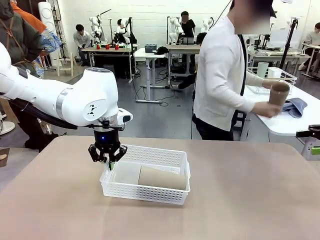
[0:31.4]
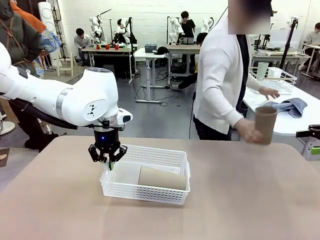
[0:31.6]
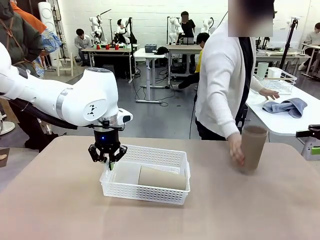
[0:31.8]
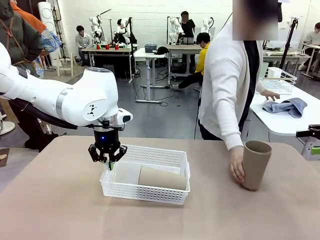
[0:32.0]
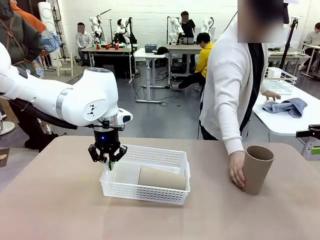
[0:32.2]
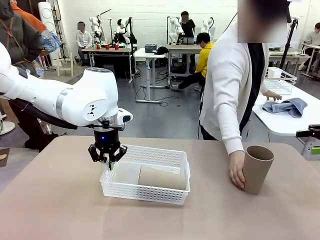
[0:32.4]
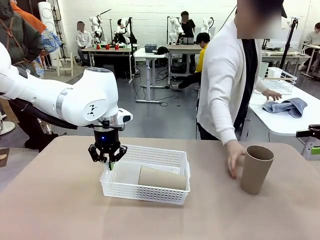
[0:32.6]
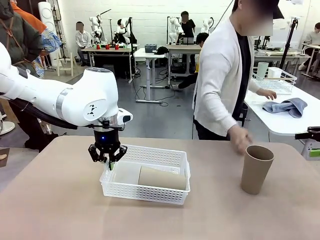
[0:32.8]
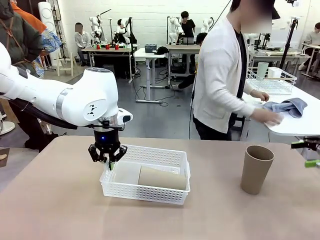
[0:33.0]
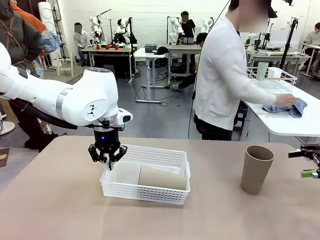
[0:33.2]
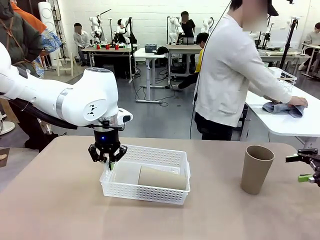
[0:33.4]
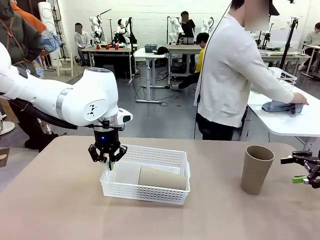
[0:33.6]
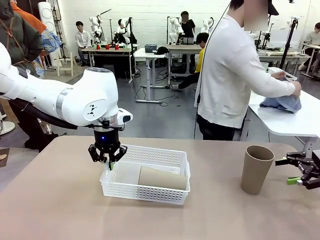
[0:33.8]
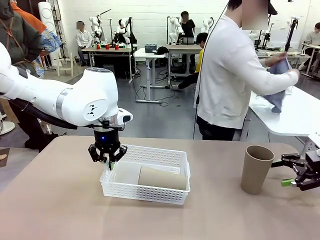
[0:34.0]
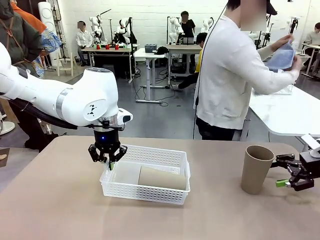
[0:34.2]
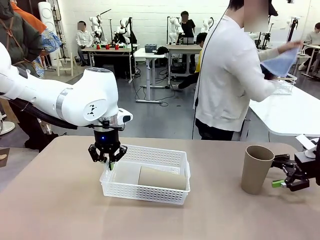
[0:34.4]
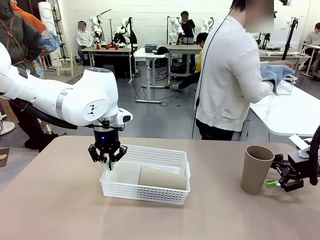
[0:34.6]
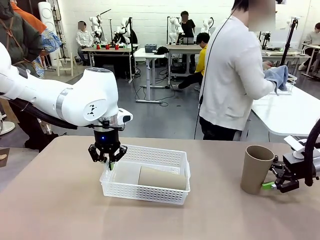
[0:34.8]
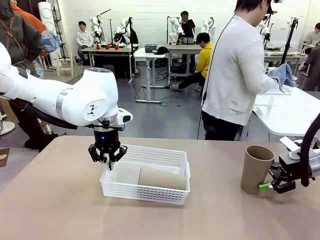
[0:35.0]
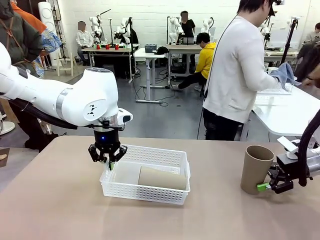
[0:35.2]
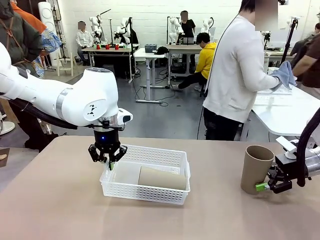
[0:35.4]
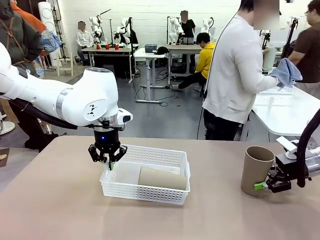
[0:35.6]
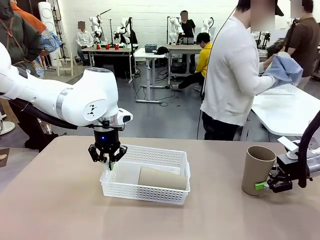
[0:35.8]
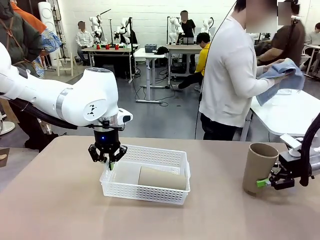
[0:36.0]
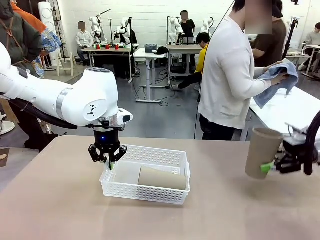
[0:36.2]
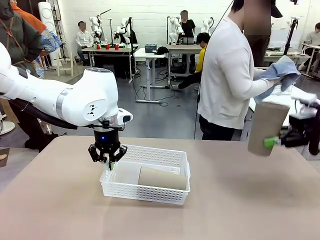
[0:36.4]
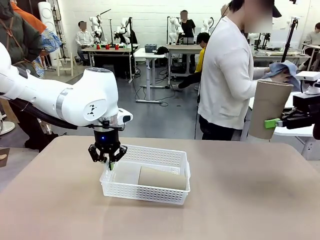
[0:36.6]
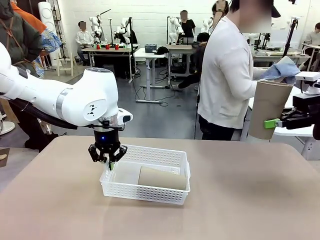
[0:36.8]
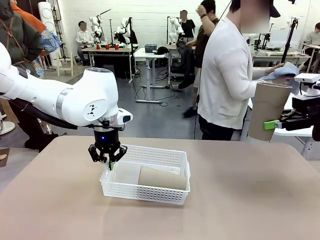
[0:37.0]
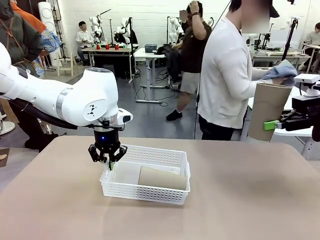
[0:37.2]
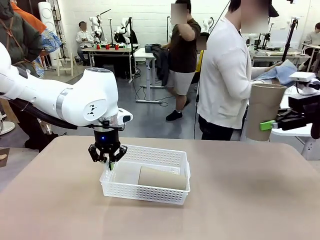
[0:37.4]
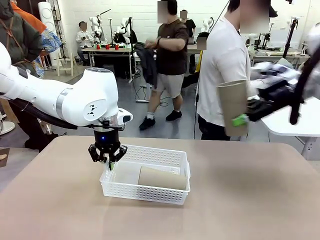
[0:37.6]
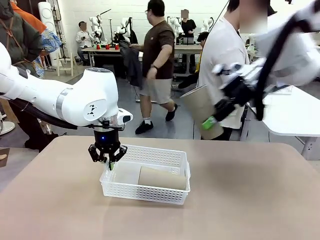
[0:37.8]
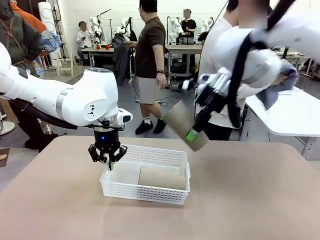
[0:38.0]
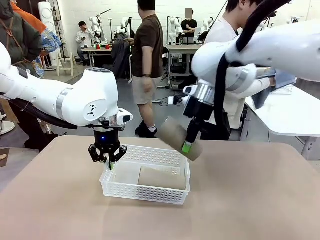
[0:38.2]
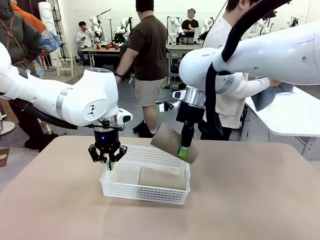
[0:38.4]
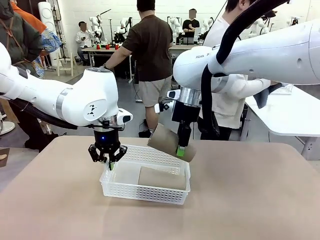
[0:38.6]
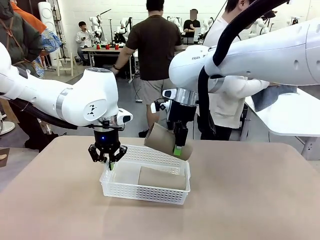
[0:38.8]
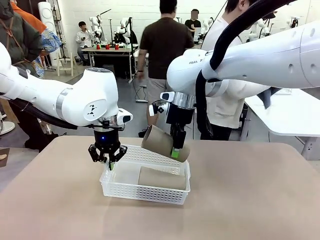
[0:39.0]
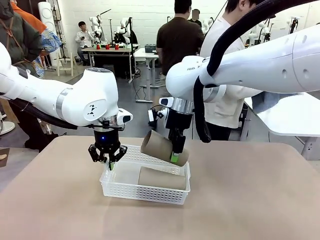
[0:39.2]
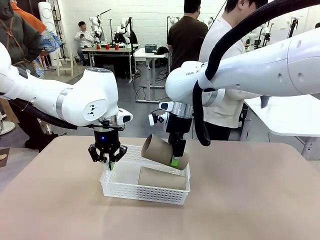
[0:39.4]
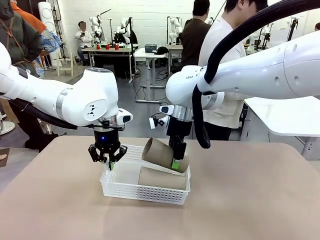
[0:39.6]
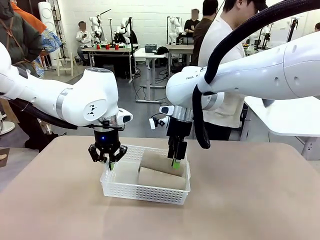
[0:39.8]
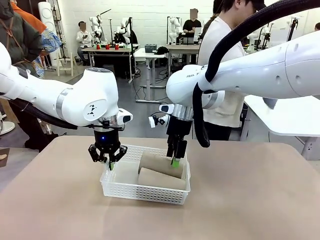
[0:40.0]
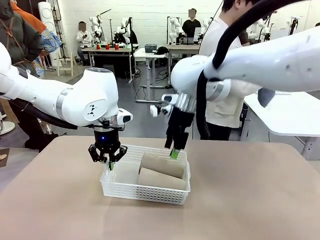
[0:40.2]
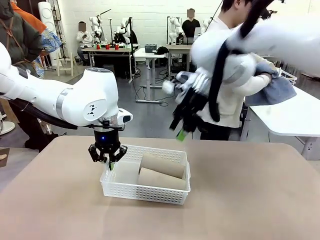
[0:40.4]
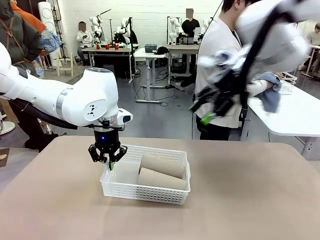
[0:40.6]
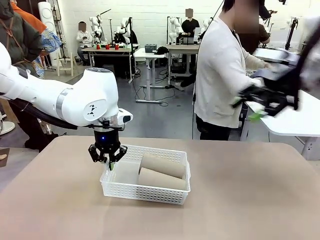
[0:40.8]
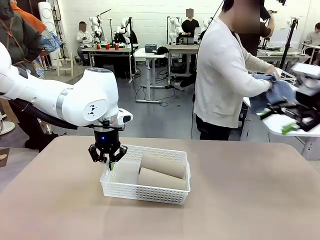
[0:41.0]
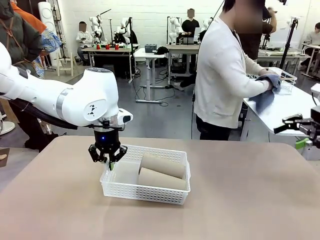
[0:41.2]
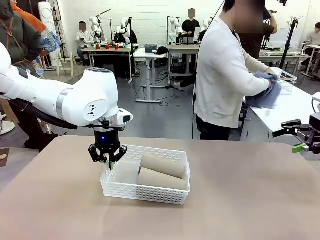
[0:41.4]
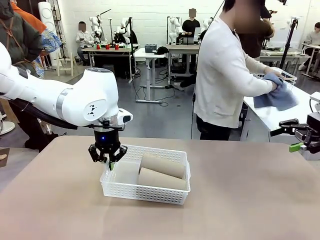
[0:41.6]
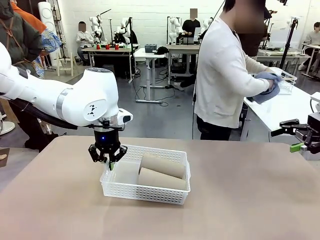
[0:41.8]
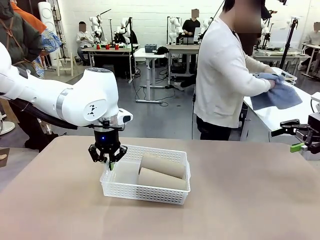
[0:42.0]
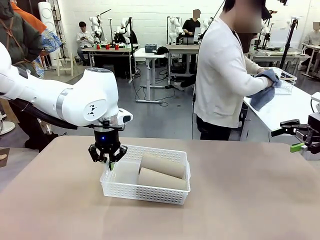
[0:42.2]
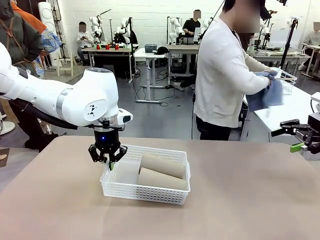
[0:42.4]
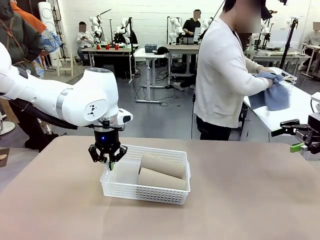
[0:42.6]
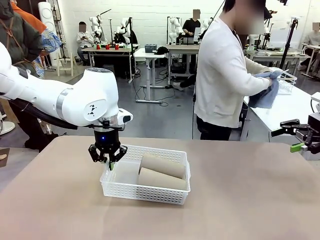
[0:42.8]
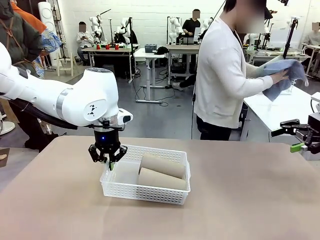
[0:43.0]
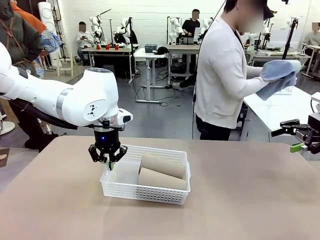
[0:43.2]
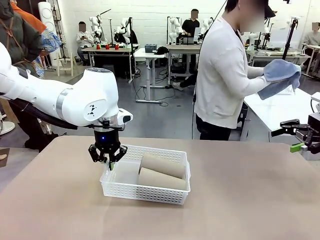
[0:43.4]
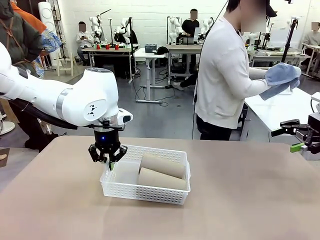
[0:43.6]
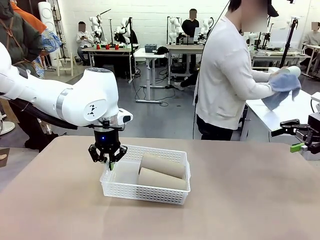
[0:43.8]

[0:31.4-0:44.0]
Task: Clean and organize the cups into the basket.
Robot: Pick up the Reusable plastic cup from the right side of the table and stack it inside the Organizing basket in the center of the table.

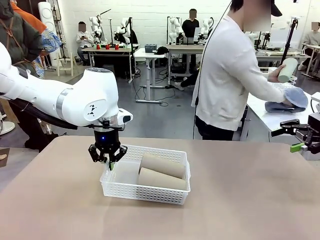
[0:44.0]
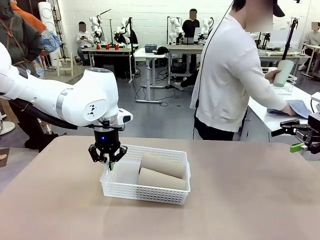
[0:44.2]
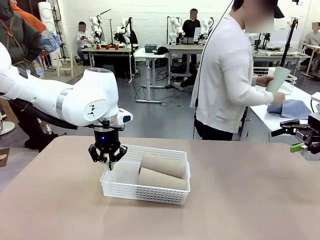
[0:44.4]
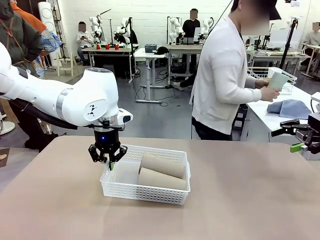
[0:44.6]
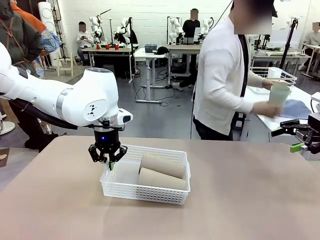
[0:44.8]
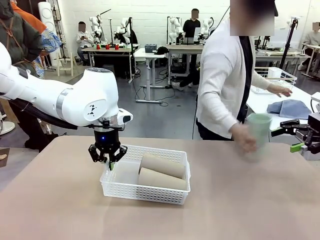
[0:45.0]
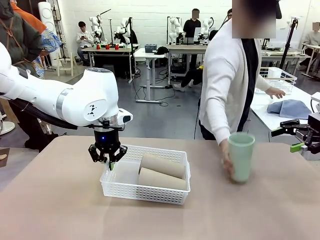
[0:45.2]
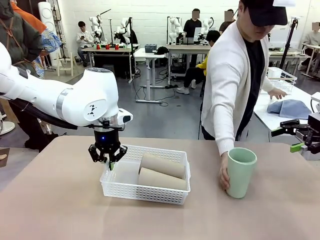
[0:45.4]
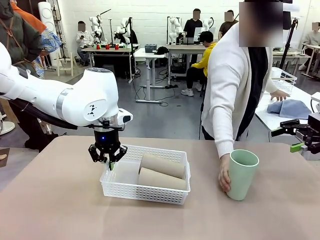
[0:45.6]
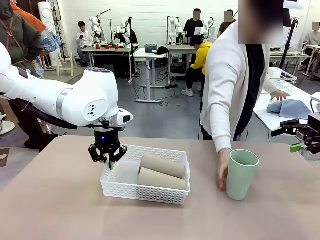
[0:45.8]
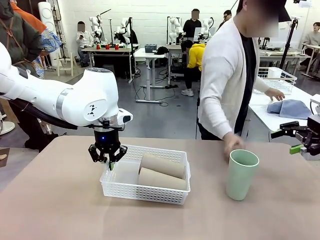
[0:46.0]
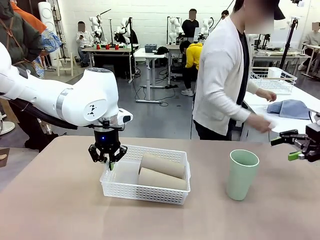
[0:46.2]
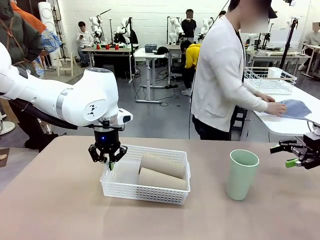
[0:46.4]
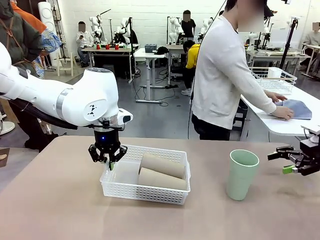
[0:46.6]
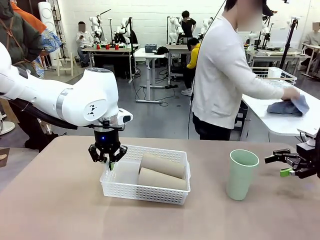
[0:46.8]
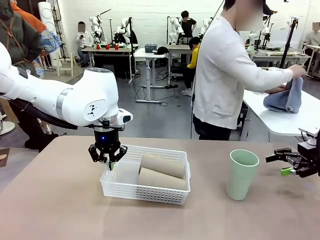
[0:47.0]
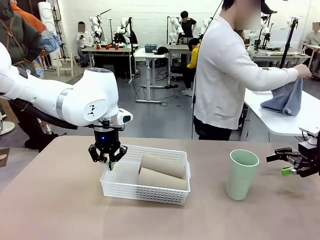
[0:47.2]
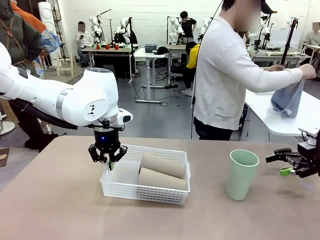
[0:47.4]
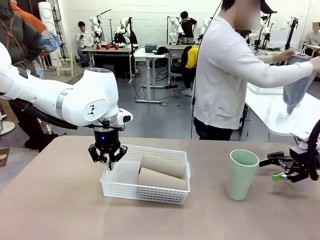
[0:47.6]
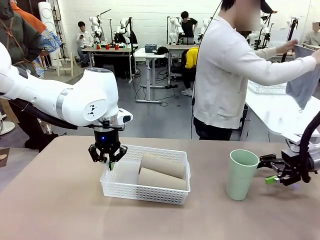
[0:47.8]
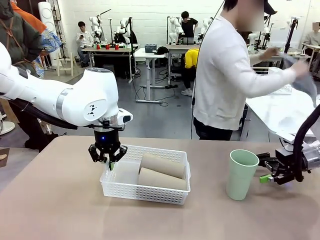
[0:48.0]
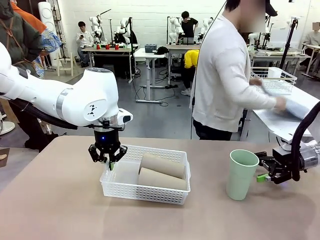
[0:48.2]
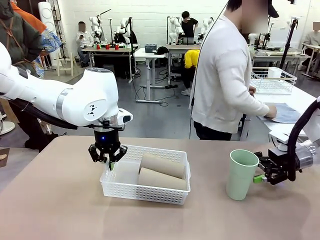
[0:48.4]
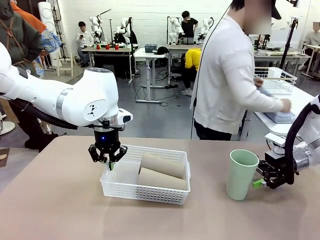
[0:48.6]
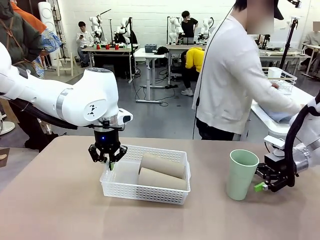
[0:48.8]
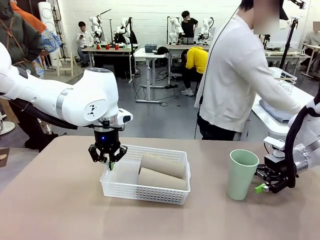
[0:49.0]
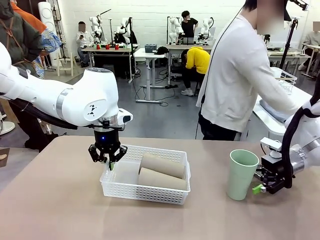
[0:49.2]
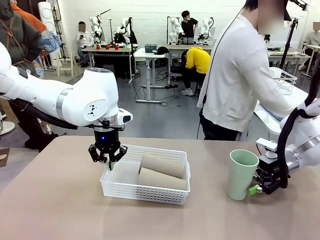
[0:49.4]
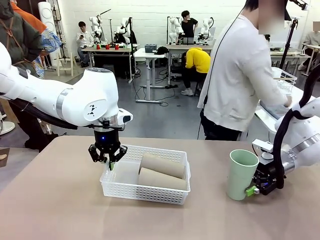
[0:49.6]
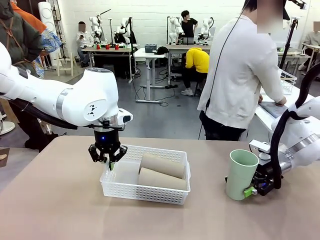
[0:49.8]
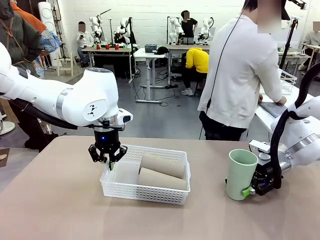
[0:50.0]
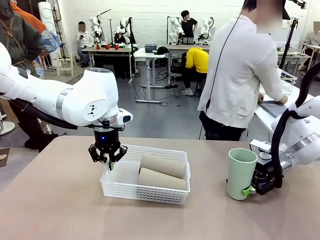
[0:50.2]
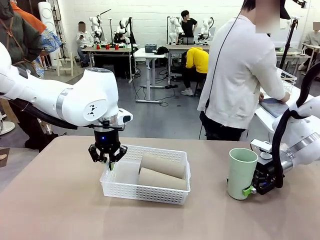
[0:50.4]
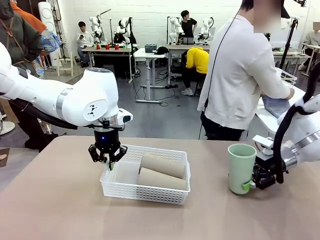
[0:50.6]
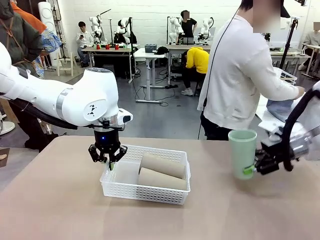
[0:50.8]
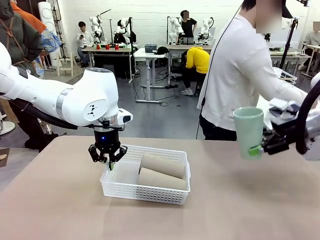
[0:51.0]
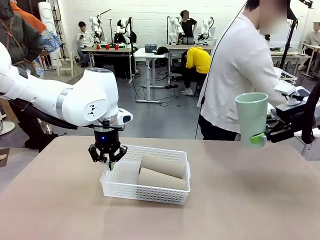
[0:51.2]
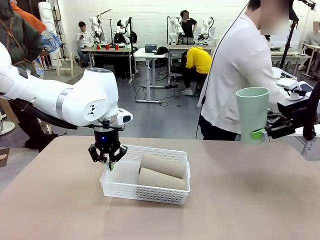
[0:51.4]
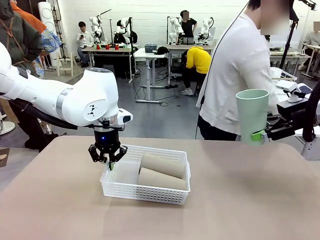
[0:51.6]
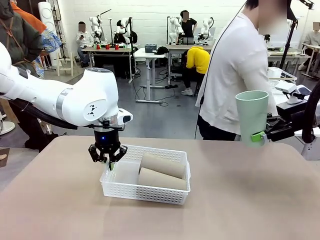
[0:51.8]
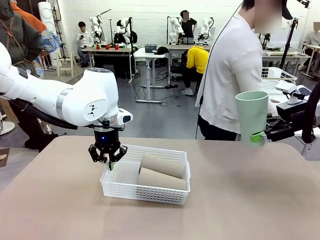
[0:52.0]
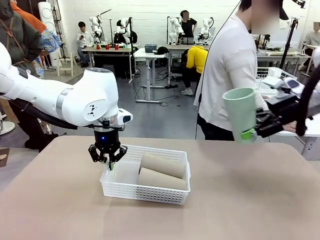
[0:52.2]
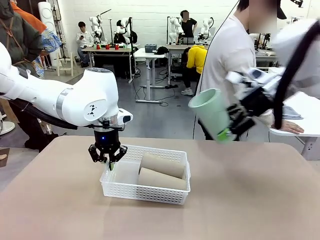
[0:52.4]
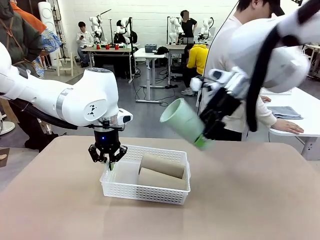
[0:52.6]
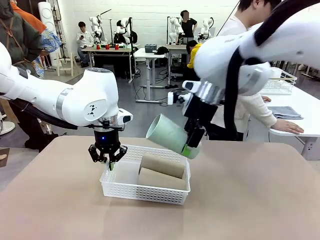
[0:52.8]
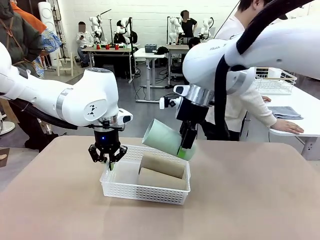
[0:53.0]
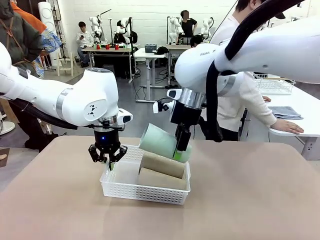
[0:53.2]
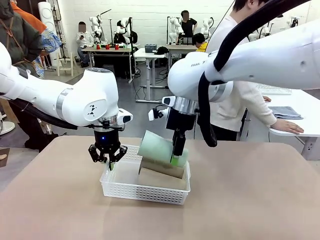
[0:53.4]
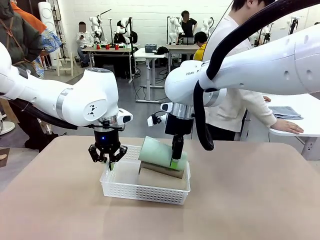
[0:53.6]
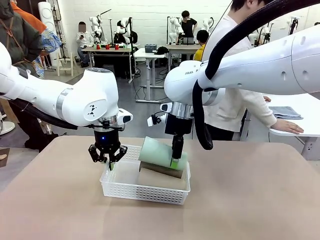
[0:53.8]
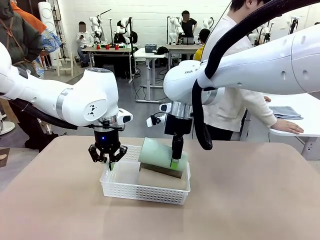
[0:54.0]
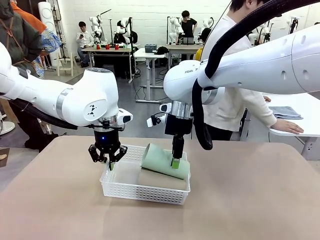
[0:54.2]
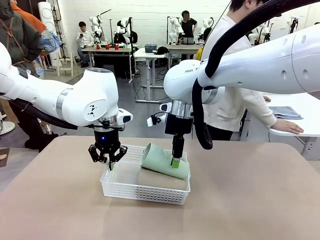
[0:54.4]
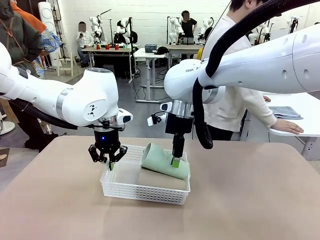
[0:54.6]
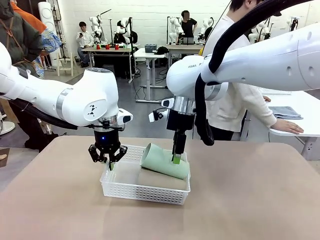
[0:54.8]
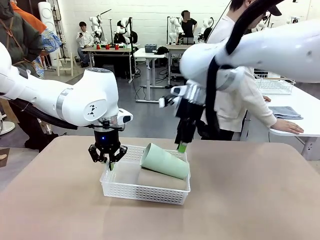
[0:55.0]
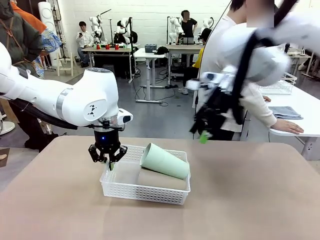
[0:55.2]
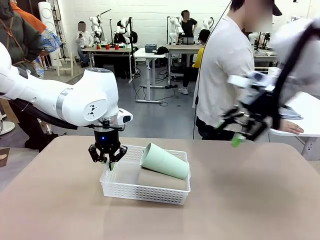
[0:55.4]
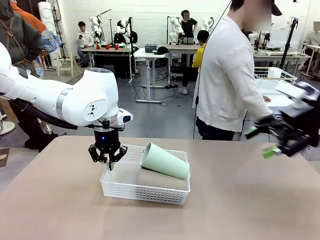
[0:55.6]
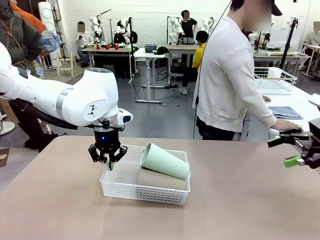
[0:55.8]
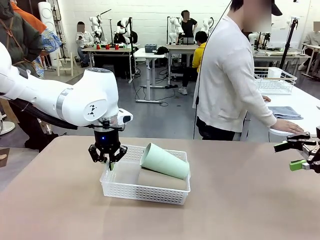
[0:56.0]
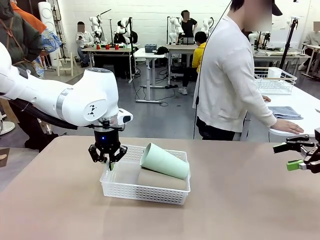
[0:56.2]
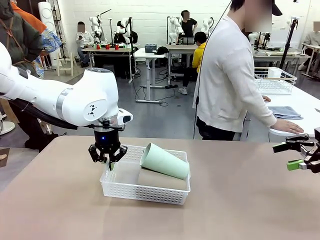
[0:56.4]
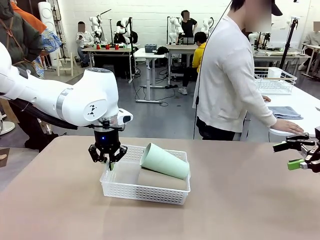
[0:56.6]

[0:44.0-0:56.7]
Robot: Pick up the Reusable plastic cup from the right side of the table and stack it inside the Organizing basket in the center of the table.
Person: Folds the towel in half twice and places it in the right of the table.
